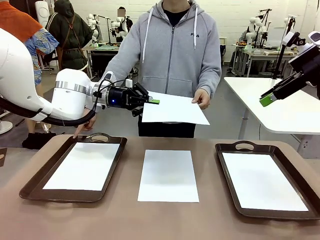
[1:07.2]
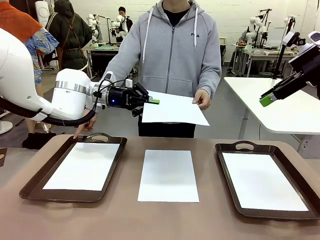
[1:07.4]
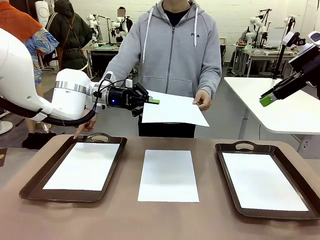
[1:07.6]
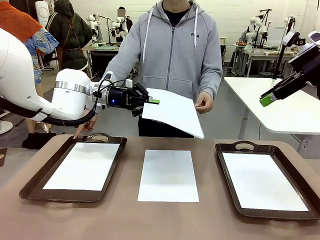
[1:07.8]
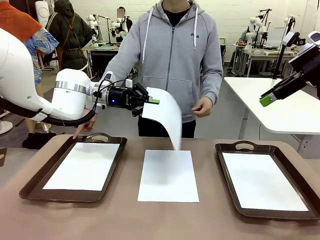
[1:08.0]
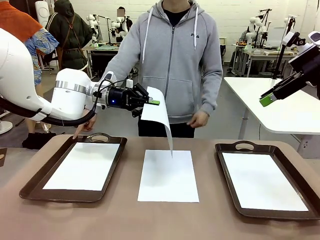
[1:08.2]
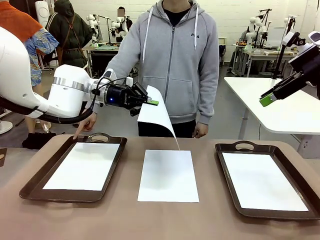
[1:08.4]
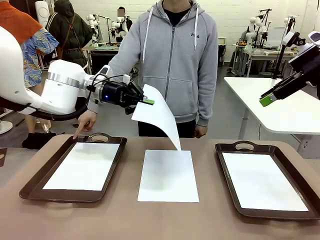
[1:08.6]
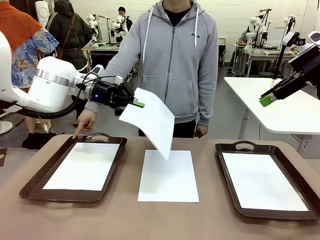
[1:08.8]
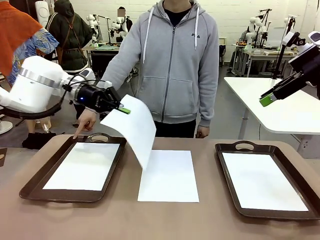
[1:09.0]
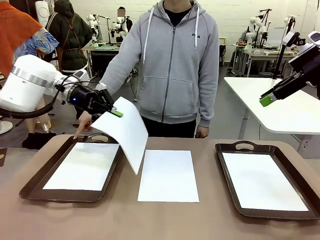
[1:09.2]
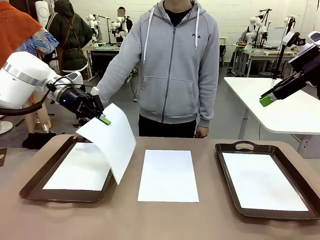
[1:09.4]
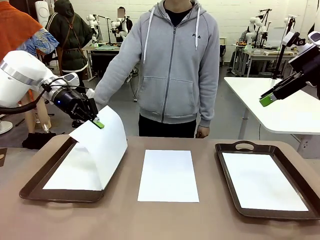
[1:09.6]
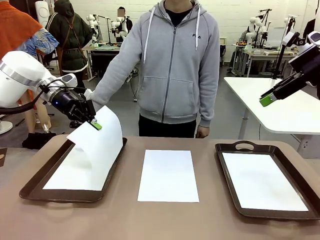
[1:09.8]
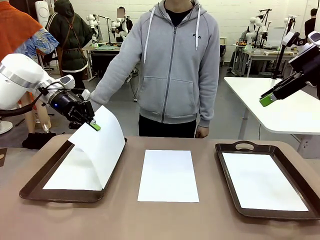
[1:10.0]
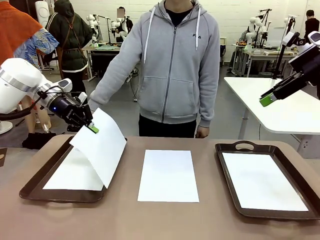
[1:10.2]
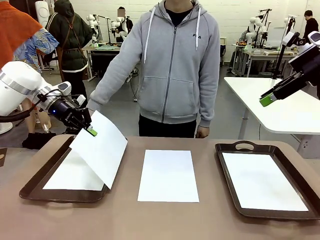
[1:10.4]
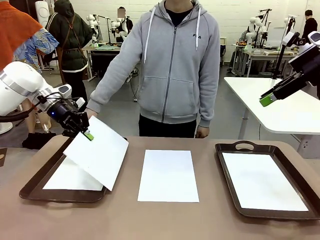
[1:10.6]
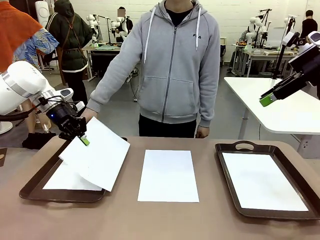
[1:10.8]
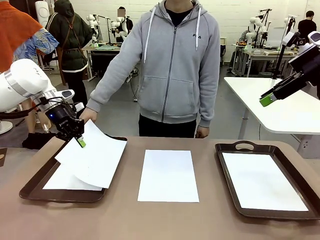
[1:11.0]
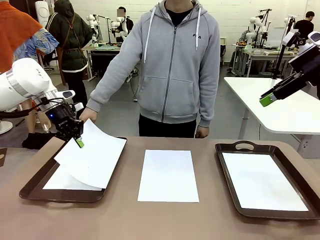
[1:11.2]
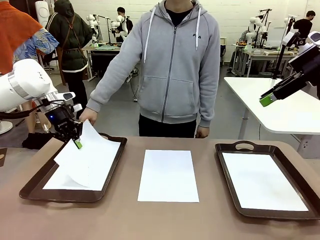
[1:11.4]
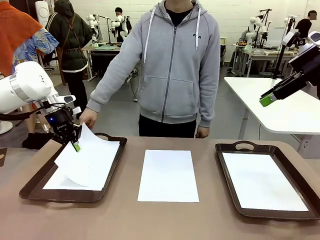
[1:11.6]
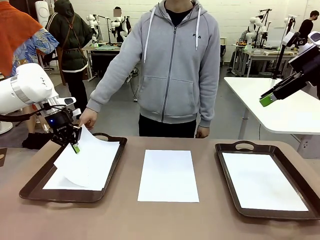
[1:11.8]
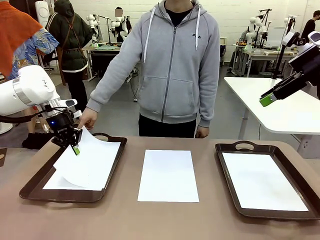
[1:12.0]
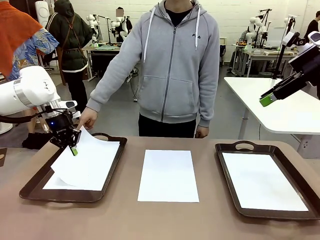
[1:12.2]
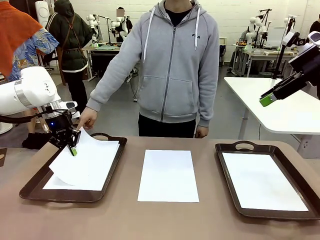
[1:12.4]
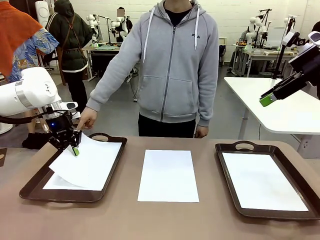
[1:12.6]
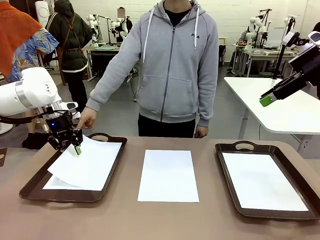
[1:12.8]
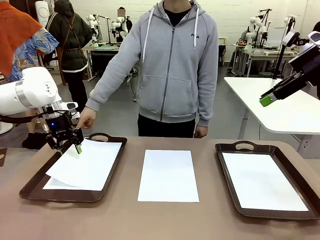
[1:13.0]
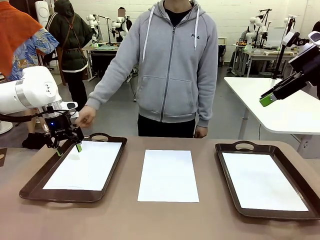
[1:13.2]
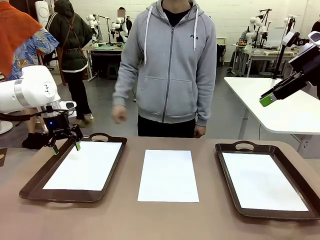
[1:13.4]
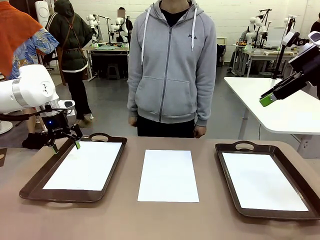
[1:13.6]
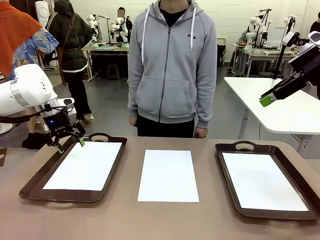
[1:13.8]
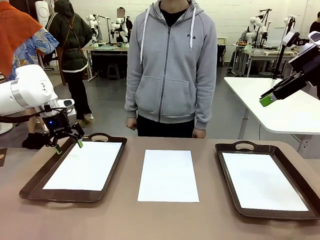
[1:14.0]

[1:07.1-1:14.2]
Task: Sort the A4 documents.
Robot: Place the A4 Paper in the designated Handle tray.

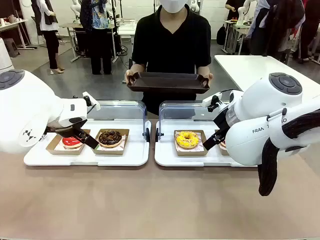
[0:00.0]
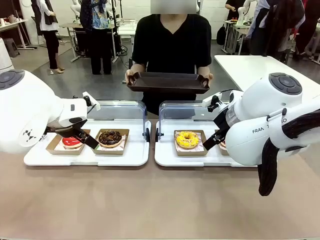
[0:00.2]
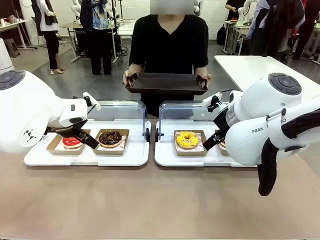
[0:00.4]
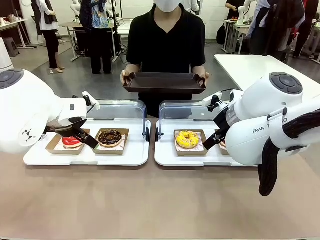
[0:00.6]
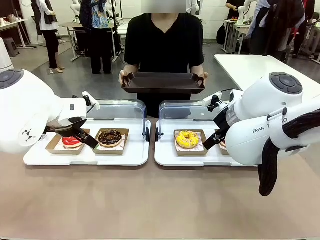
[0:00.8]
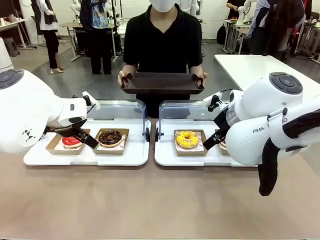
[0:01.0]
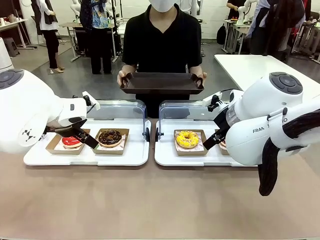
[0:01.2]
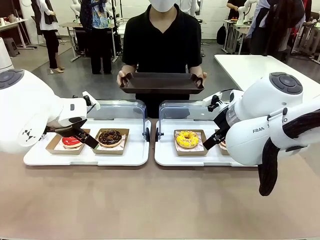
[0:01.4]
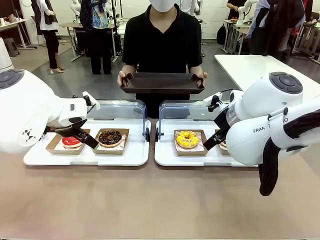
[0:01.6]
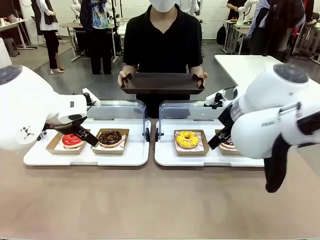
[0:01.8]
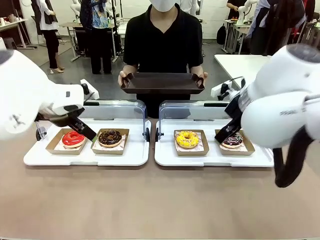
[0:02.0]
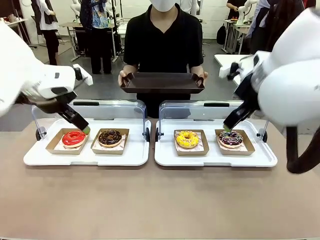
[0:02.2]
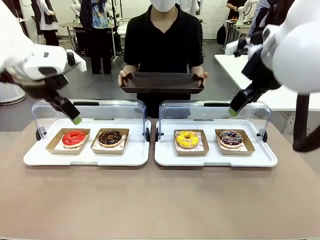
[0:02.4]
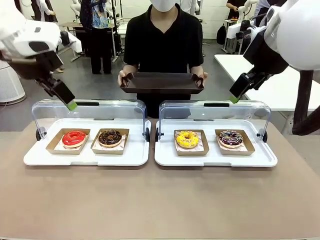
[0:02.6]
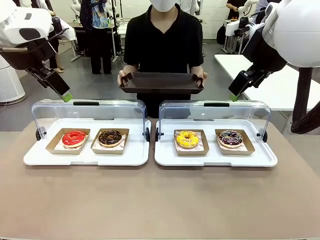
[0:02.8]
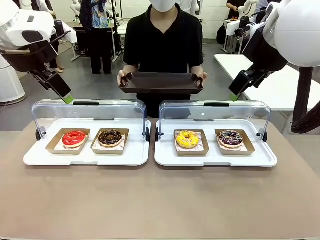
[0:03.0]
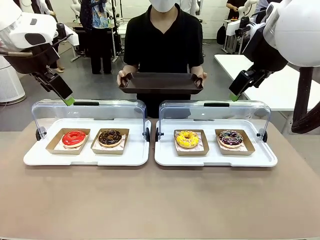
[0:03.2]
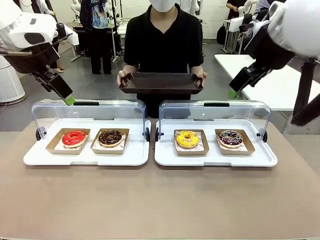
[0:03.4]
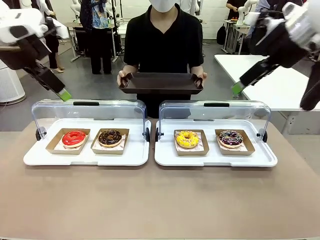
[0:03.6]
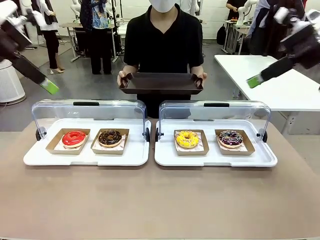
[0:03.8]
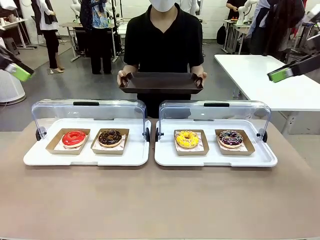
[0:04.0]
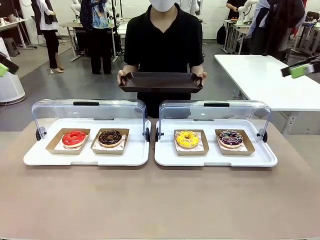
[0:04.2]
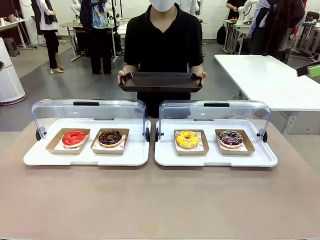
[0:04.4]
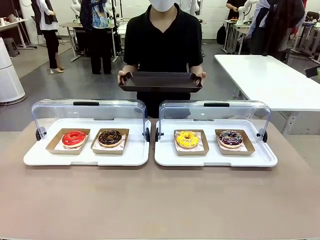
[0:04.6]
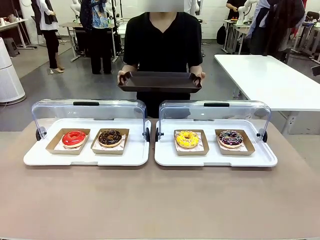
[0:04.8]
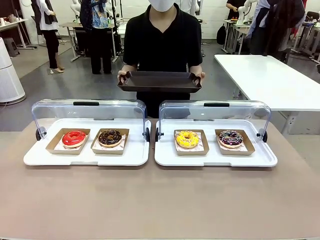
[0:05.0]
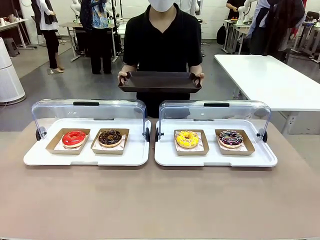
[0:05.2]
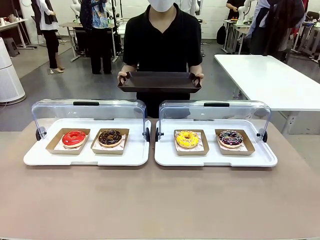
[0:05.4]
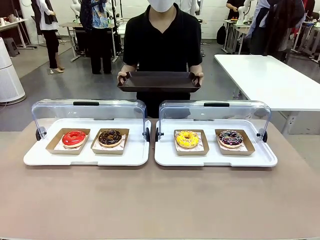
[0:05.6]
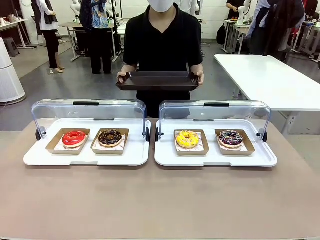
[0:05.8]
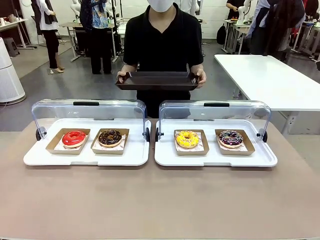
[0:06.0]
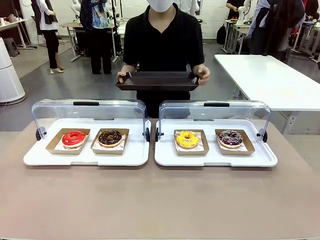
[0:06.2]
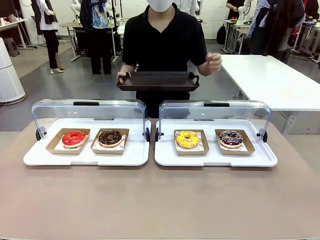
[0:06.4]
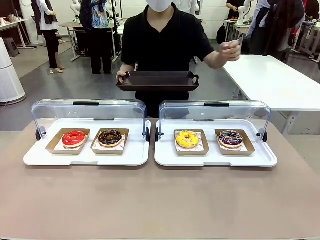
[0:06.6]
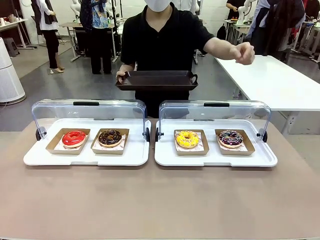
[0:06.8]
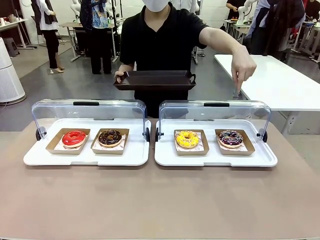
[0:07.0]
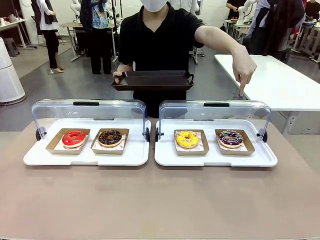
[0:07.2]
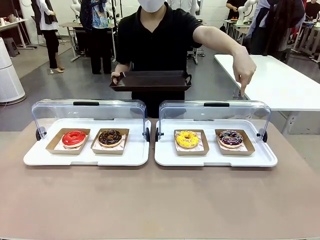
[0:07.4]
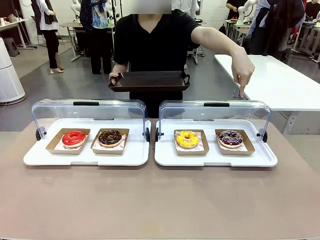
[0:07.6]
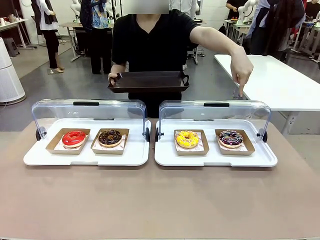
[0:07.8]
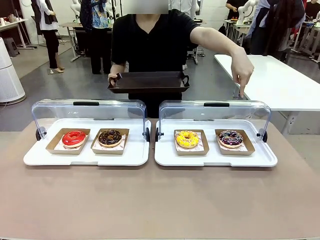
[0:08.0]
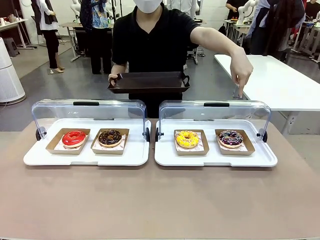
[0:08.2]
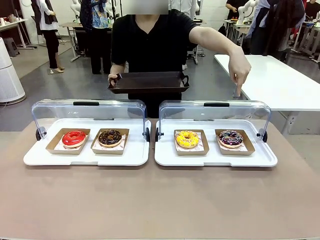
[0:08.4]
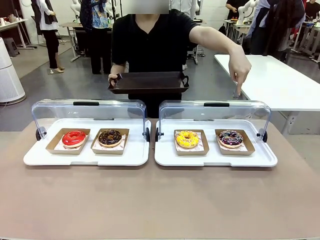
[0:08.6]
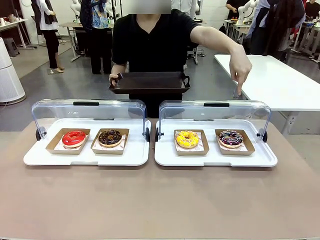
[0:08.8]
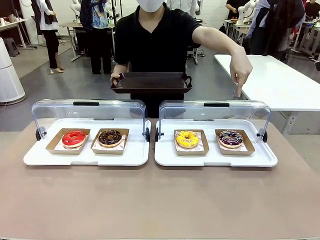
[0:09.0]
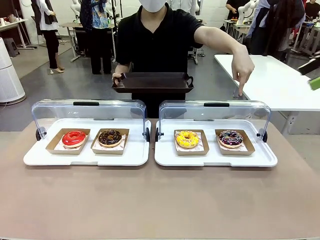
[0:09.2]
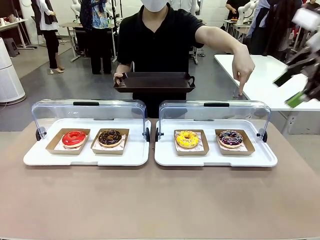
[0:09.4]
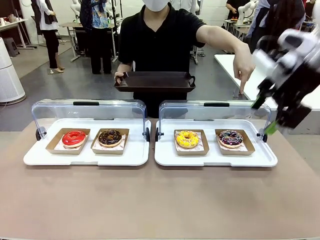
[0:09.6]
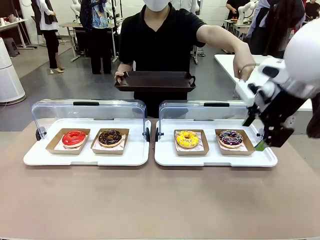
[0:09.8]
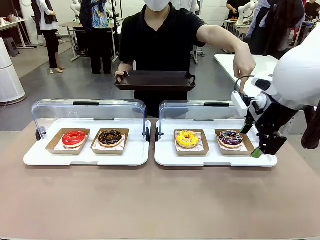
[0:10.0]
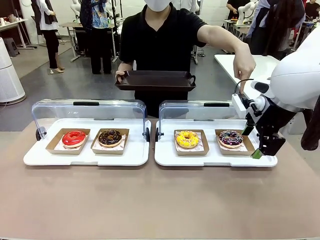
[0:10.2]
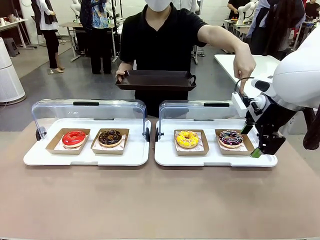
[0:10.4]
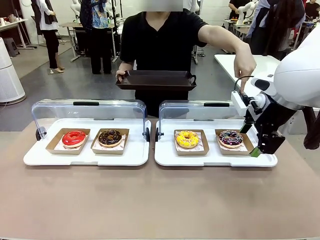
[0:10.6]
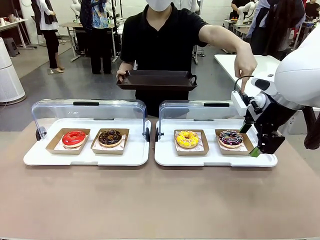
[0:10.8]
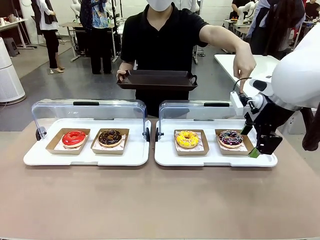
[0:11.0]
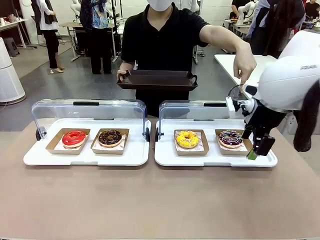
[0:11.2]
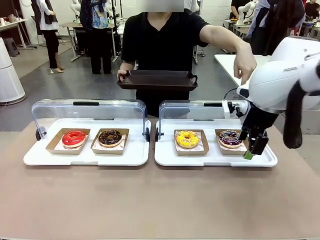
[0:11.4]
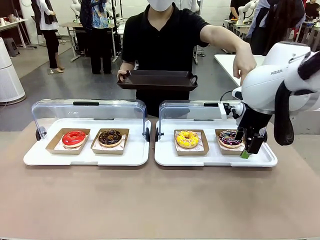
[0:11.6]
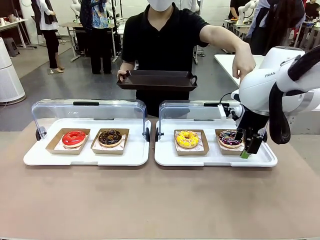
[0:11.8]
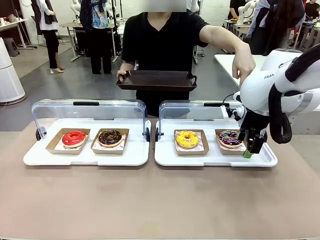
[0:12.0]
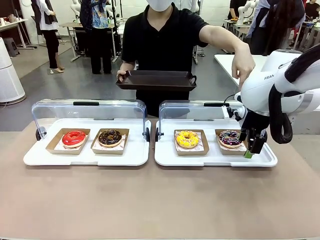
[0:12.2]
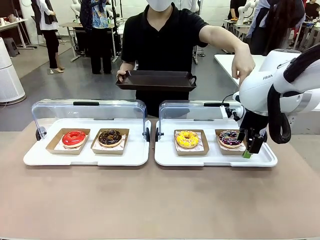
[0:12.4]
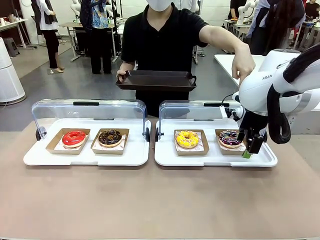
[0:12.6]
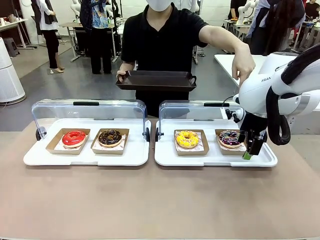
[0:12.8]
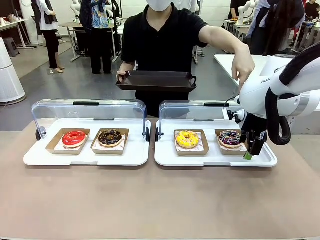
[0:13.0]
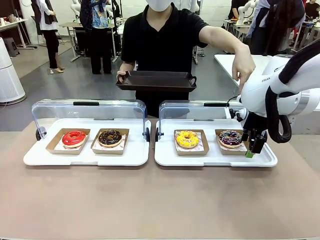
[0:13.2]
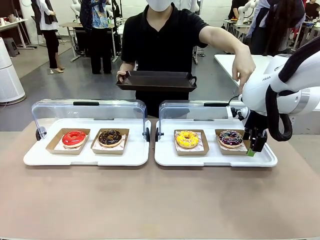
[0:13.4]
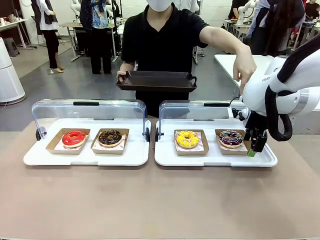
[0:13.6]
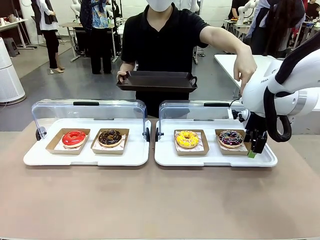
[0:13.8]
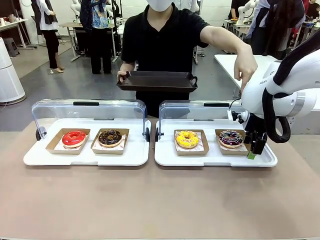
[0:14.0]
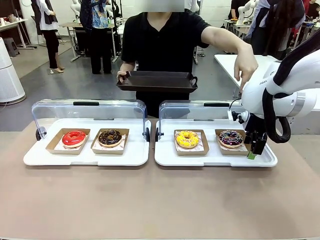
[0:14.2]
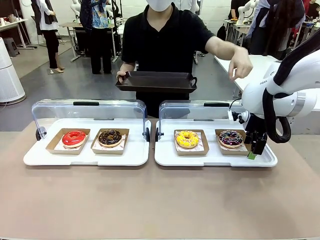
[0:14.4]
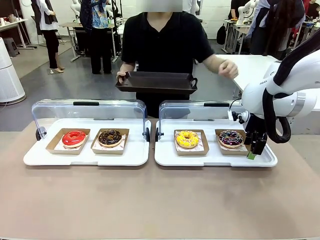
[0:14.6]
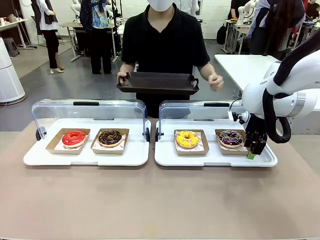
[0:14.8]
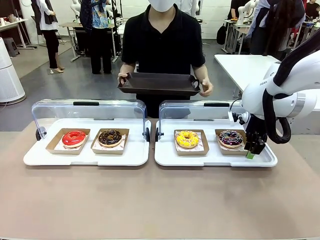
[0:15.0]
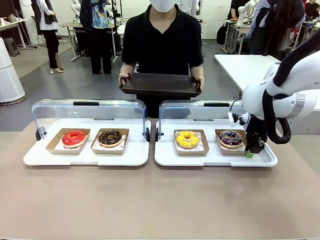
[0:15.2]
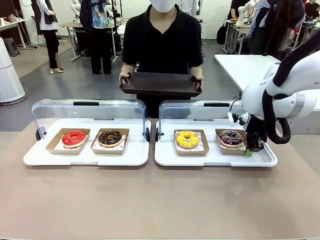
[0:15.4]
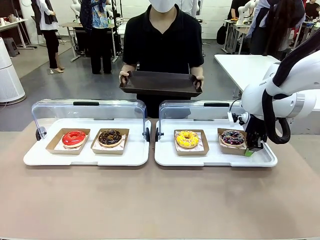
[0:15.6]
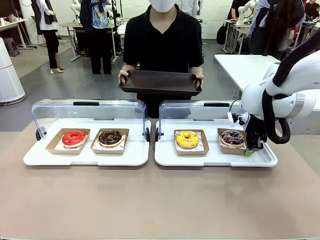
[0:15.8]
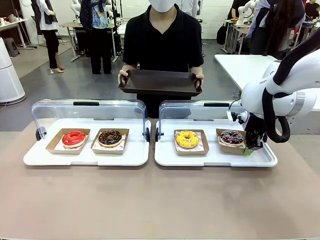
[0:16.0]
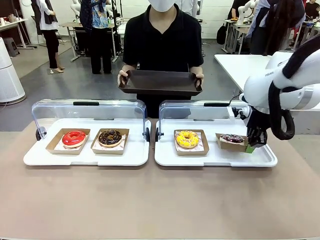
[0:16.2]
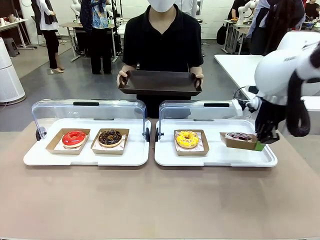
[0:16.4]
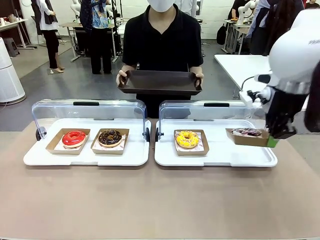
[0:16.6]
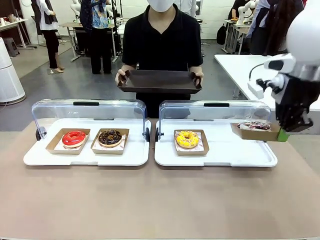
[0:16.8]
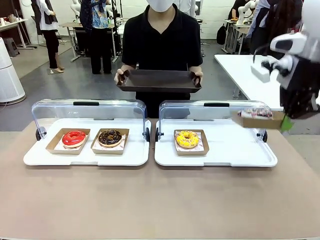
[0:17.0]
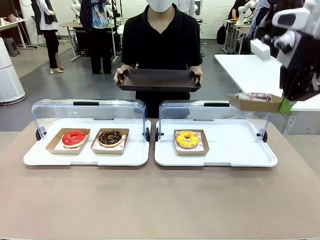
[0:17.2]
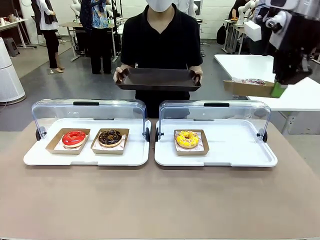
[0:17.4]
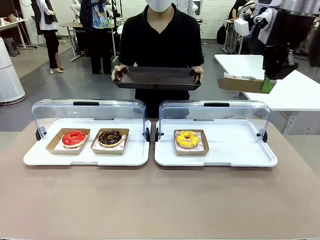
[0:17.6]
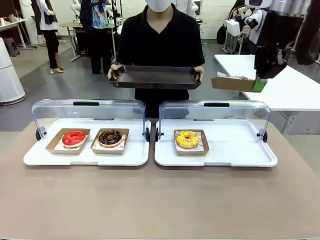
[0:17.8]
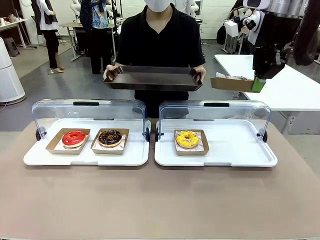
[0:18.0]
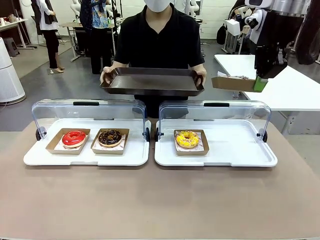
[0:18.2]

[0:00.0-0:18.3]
Task: Provide the desired donut to the person.
Robot: Pick up and lift the Paper togo box containing the Donut pointed at by the person.
Person: Point to one donut. Lift the tray onto the Roll-Top Bakery Case.
